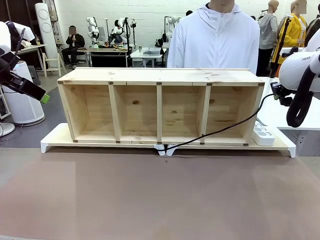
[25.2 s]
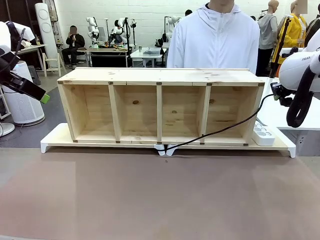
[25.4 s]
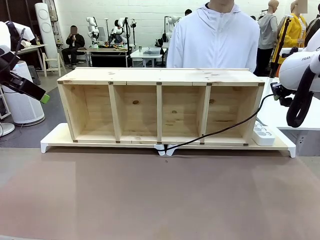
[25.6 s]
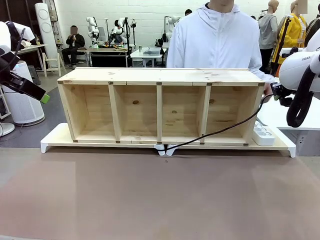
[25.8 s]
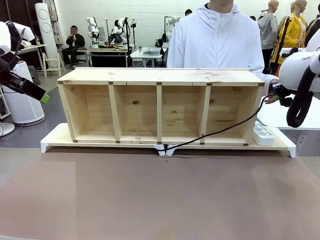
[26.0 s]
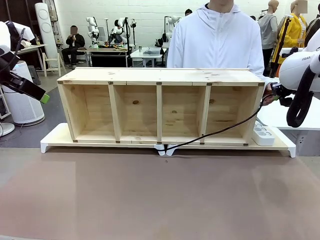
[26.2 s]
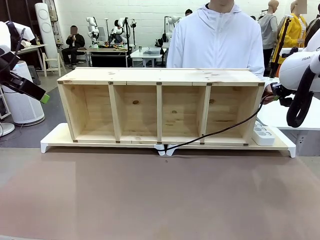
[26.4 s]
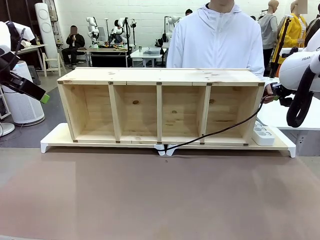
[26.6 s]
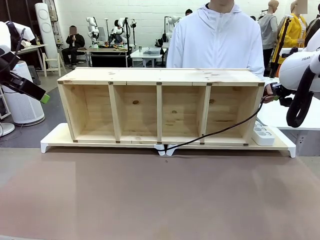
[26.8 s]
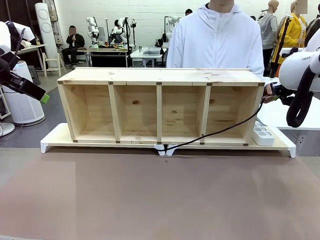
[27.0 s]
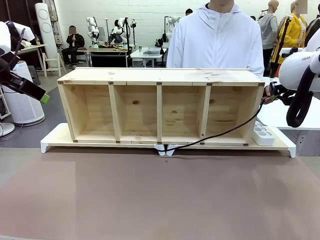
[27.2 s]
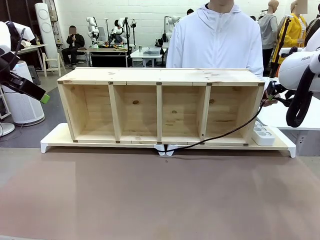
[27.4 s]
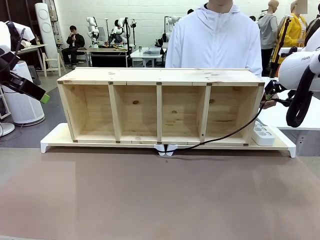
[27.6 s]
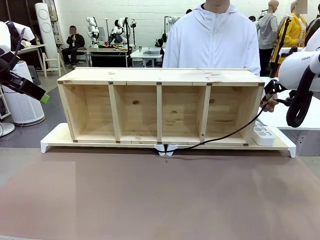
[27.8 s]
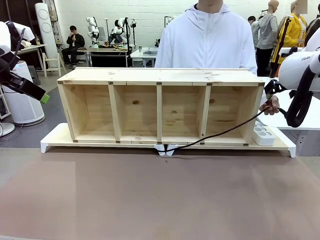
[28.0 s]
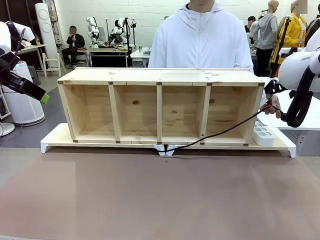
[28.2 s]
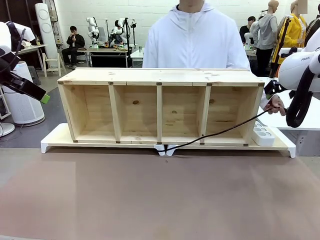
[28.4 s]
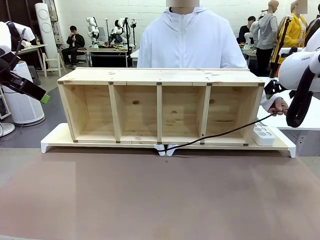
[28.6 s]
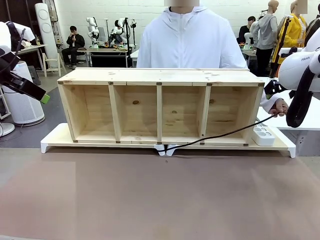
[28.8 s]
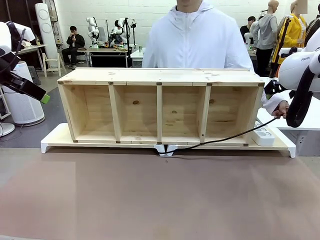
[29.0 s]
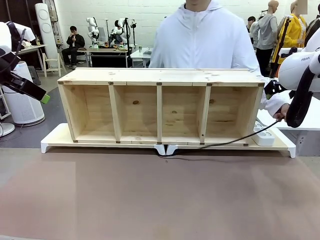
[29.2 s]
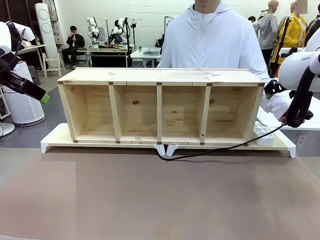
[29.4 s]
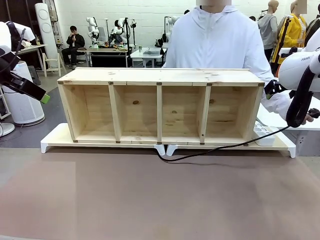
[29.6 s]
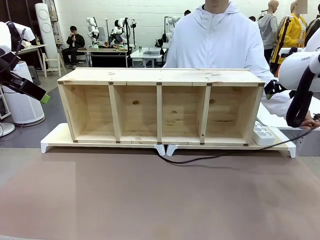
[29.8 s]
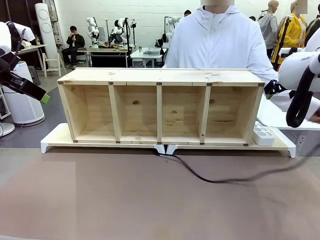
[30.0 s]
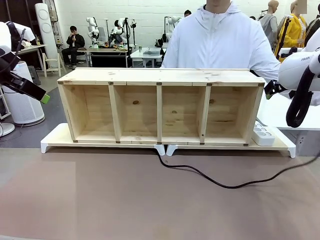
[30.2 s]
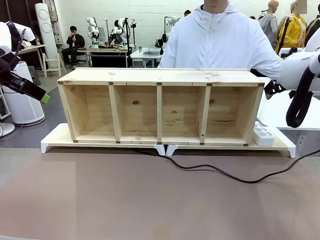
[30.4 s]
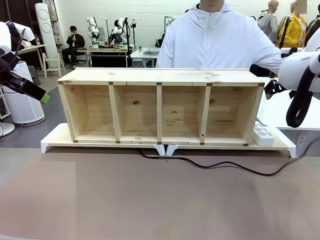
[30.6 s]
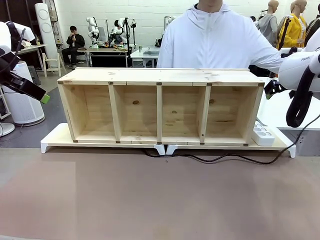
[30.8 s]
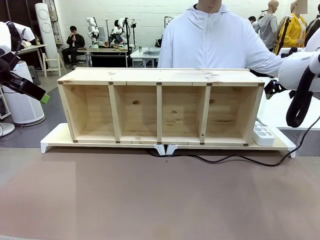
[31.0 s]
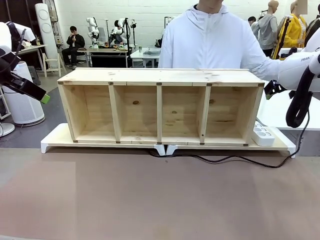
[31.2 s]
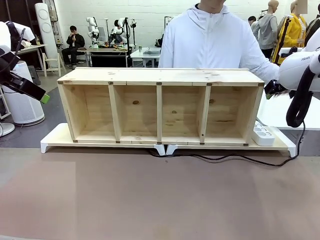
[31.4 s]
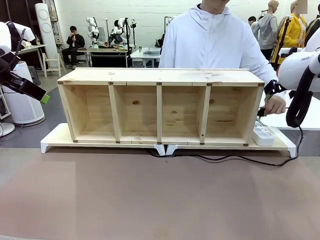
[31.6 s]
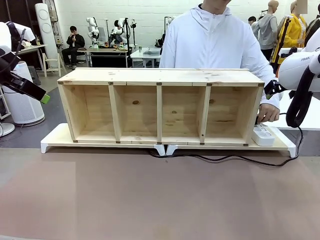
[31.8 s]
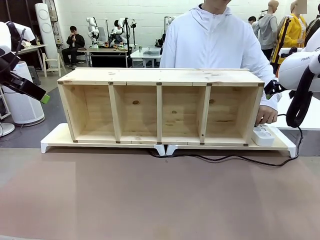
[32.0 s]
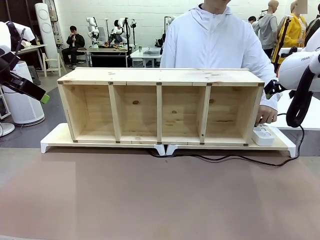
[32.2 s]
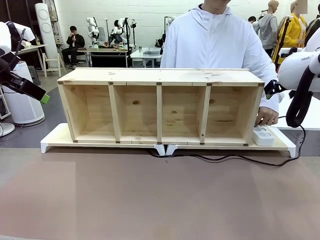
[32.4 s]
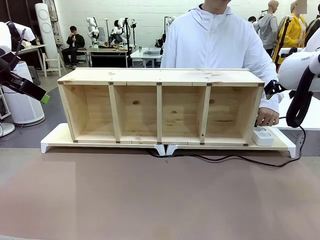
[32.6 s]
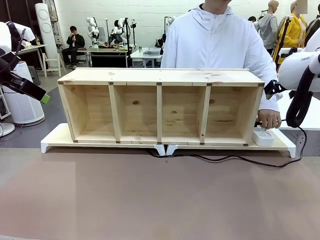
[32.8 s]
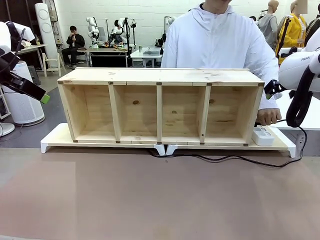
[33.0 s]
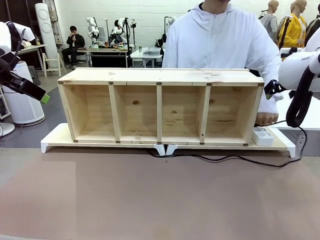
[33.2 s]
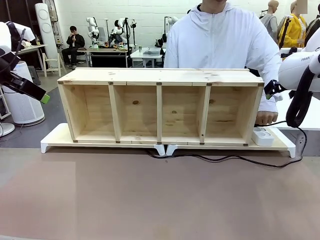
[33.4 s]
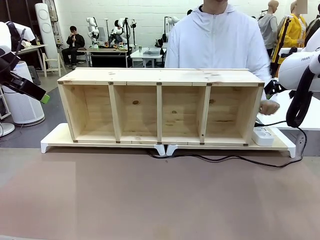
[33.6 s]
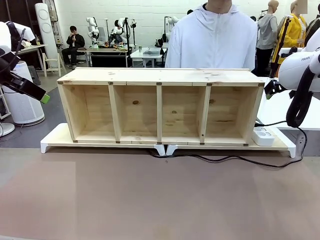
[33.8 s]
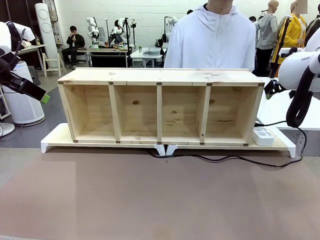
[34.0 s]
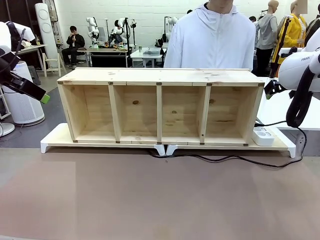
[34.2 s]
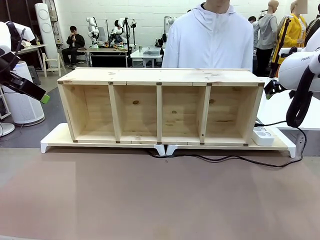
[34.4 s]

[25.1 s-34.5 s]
Task: Perform cable management.
Robot: Release the Power Cable when the human grasps it.
Person: Plug the Power Cable into the Power Strip.

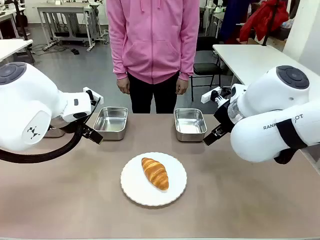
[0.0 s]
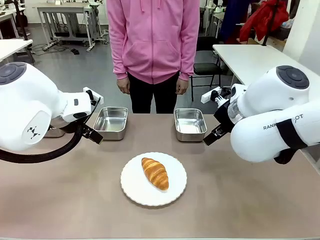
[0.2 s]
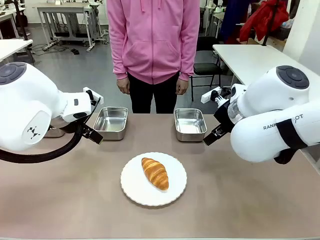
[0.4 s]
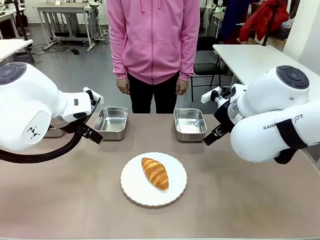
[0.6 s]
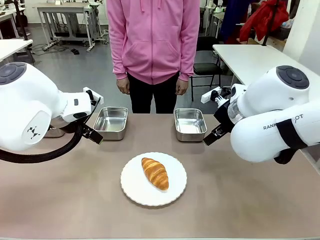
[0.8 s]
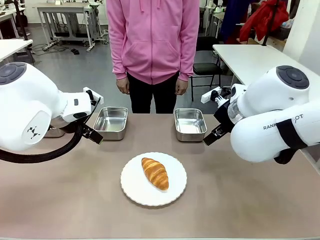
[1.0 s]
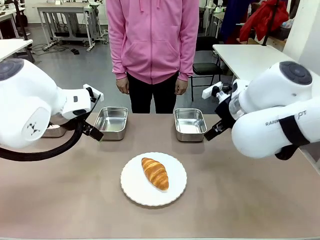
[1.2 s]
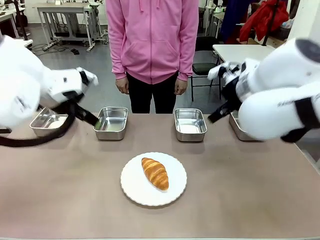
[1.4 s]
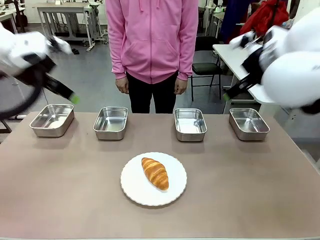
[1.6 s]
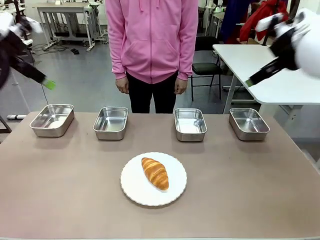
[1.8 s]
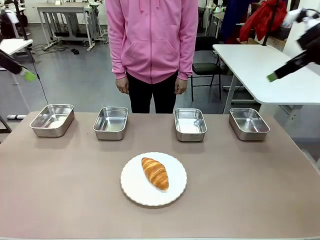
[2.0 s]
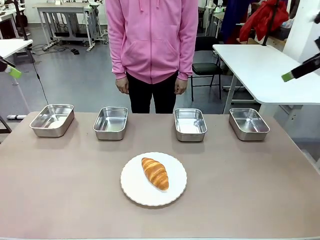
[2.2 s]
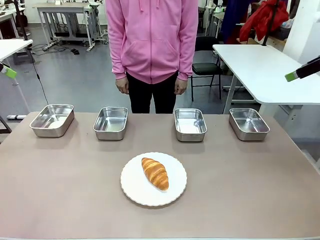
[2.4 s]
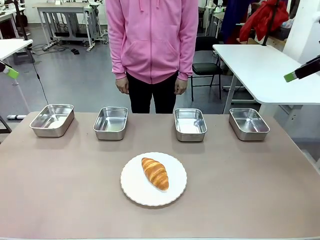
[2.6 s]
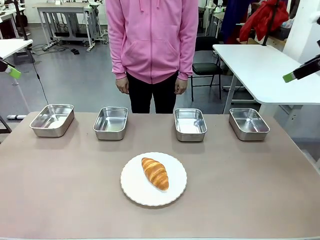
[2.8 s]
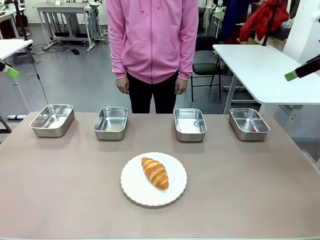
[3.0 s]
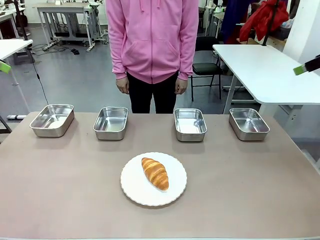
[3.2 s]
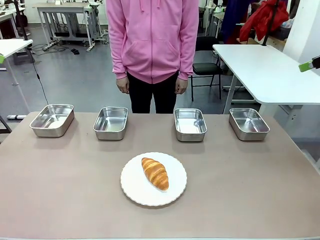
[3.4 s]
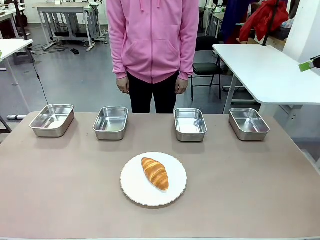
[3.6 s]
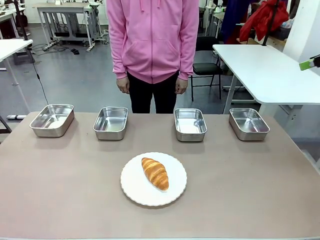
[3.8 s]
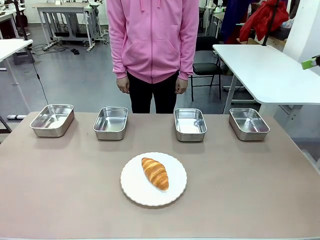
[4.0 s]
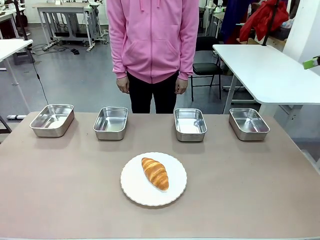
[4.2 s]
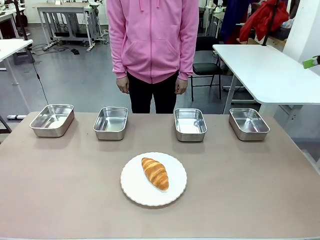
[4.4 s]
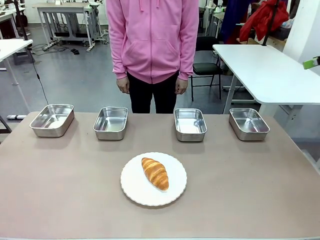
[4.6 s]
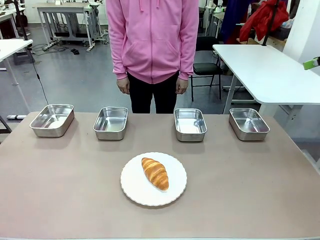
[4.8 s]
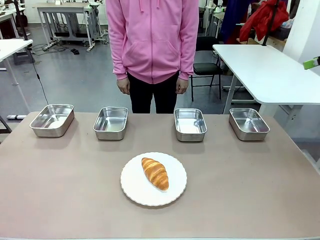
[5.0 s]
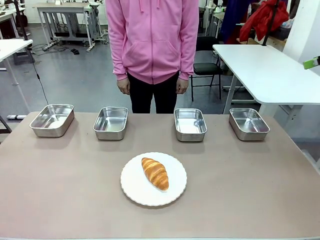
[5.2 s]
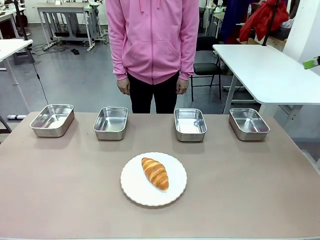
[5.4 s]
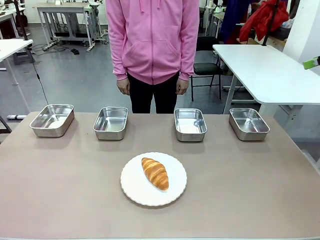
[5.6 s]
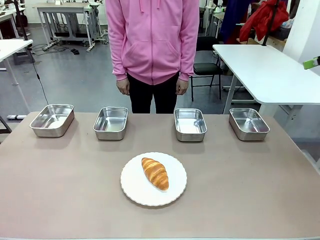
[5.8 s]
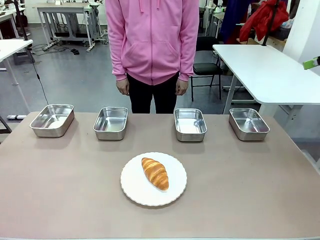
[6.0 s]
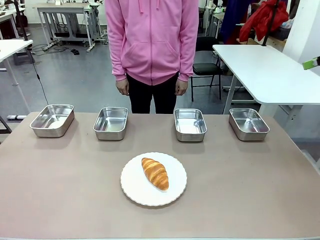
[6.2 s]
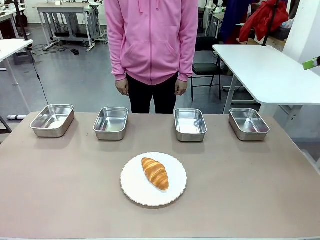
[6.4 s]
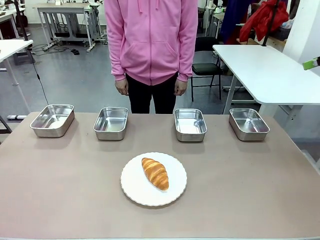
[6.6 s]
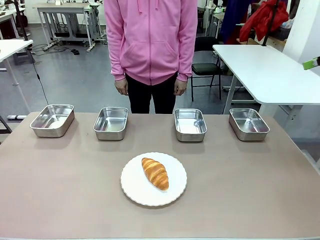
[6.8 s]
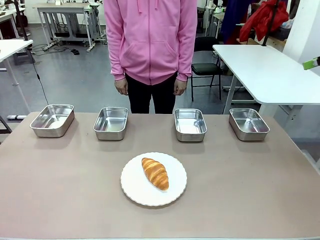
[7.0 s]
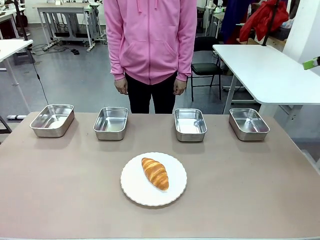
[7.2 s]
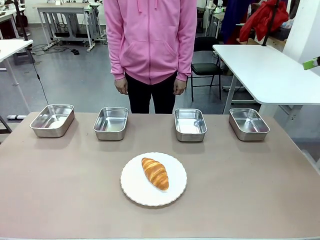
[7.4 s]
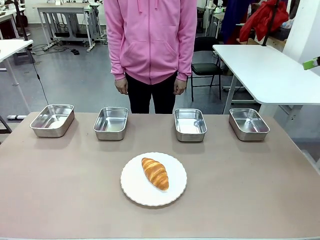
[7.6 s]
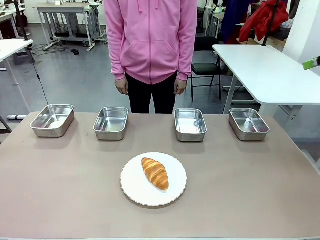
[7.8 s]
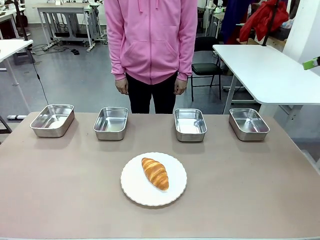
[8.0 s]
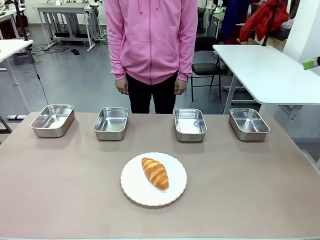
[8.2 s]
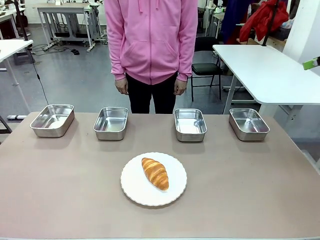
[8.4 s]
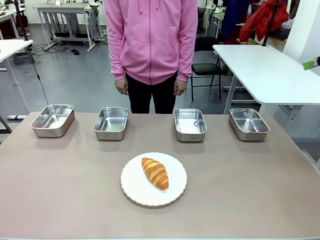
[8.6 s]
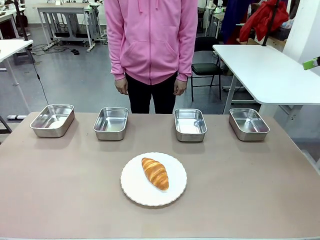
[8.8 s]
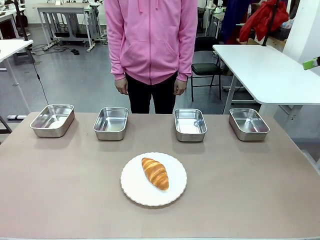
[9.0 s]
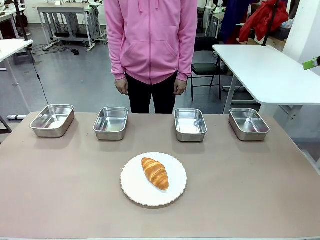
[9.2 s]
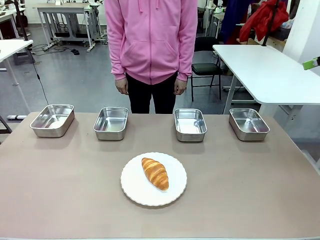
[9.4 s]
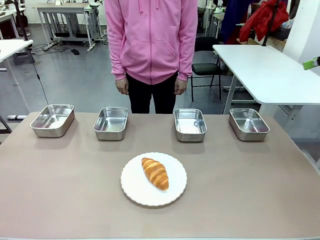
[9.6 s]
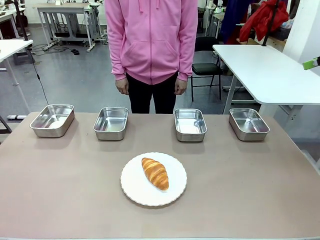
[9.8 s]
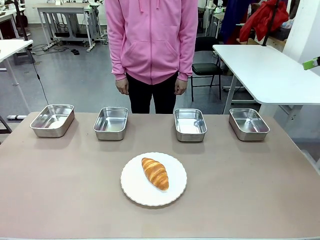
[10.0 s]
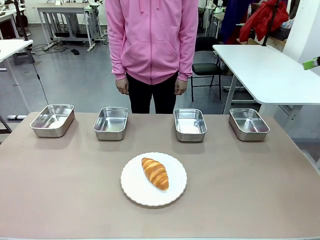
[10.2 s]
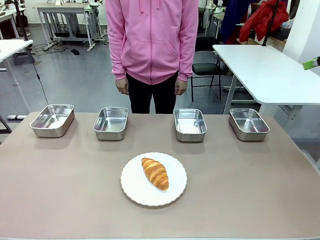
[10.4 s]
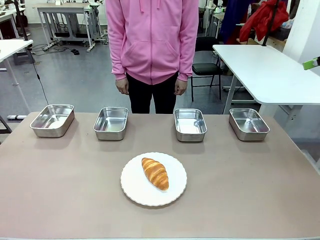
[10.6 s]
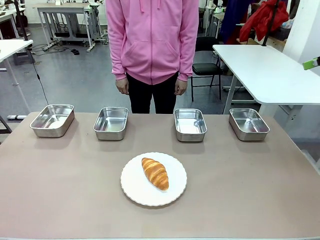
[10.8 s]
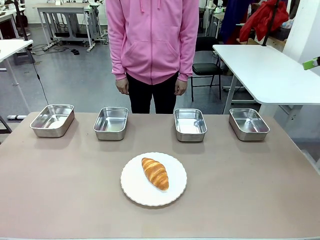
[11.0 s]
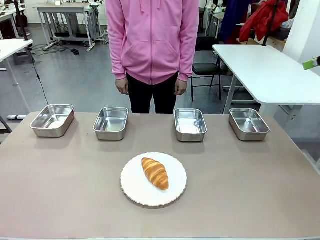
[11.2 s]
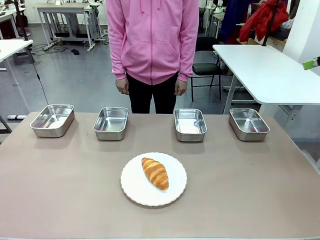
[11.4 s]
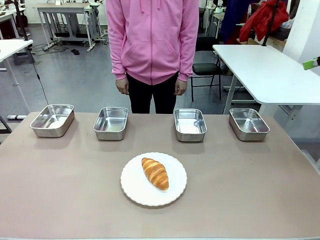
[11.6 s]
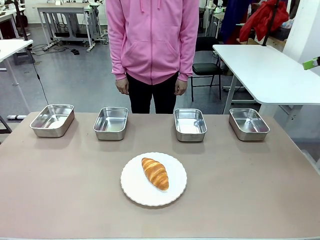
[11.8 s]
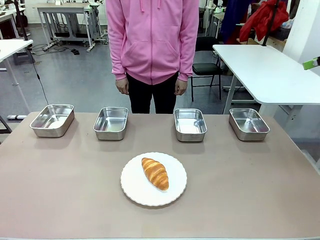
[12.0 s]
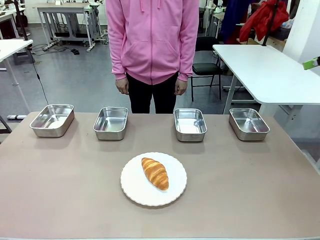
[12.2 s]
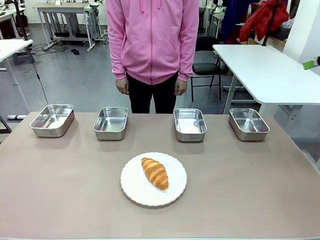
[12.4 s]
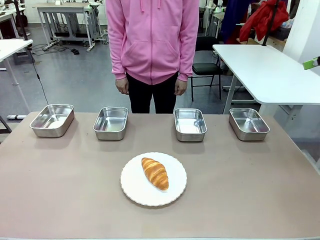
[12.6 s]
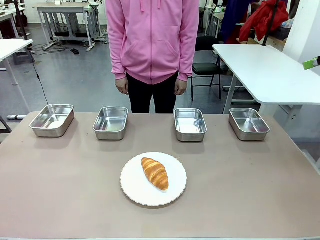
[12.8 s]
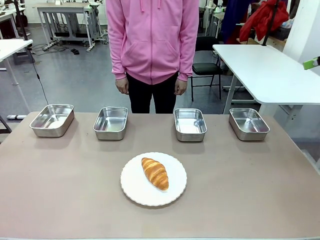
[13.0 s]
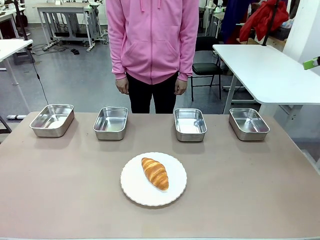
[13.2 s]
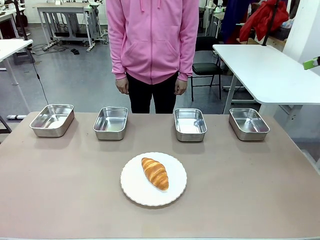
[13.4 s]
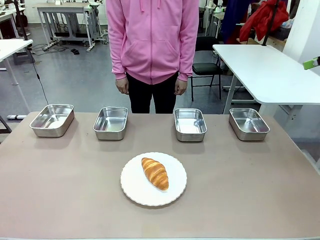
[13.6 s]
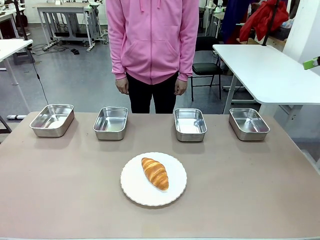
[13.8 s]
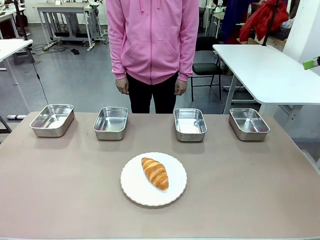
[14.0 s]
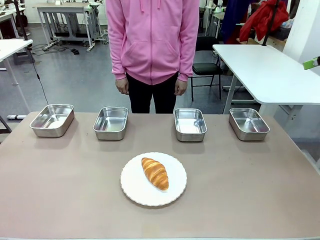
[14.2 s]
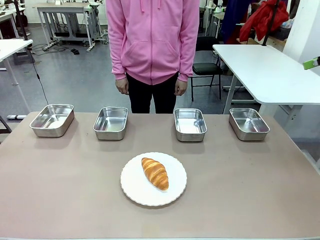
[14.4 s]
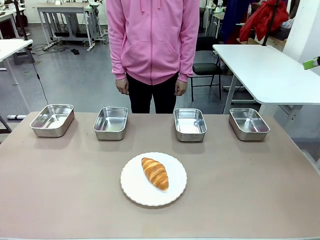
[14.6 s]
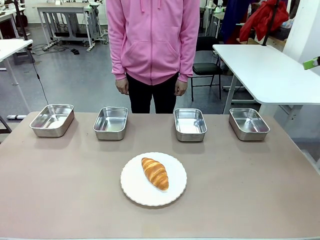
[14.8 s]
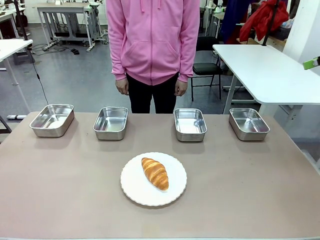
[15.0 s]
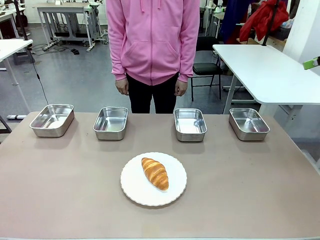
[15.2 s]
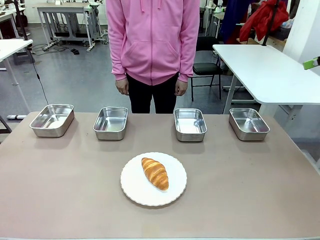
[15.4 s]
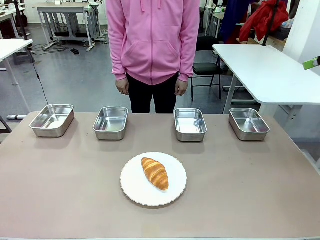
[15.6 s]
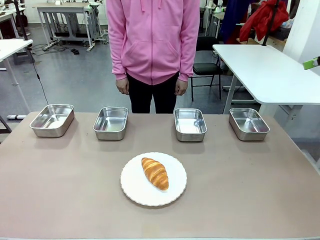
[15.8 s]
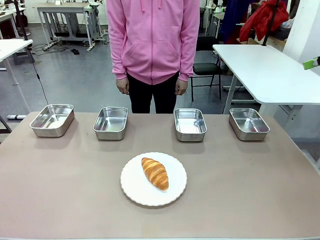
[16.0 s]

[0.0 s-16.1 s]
Task: Place the bread in the container.
Robot: Place the Butter Roll into the Airtight Container indicated by the human.
